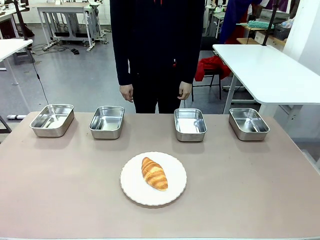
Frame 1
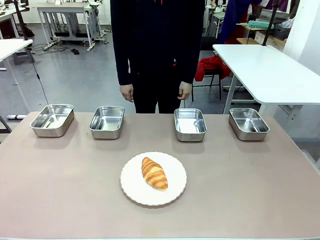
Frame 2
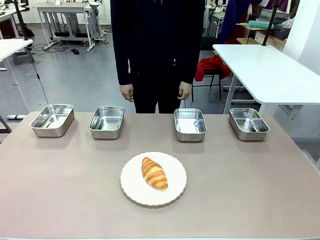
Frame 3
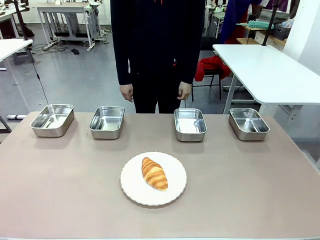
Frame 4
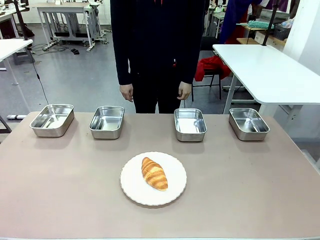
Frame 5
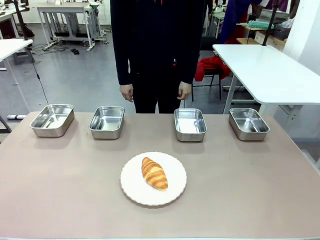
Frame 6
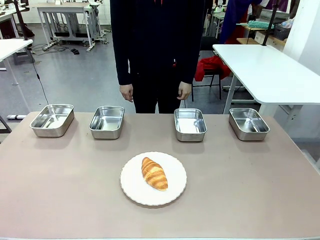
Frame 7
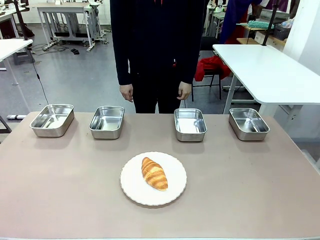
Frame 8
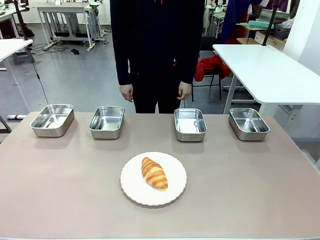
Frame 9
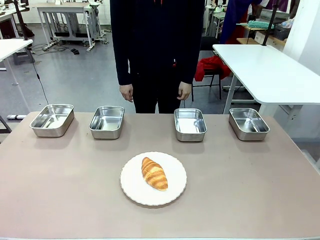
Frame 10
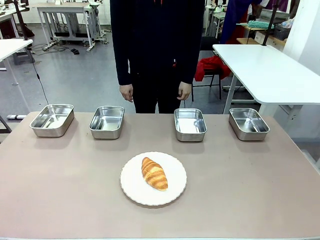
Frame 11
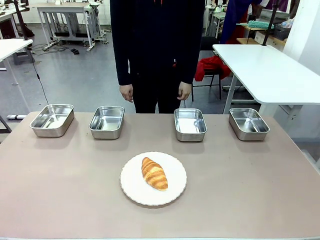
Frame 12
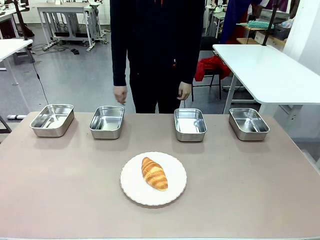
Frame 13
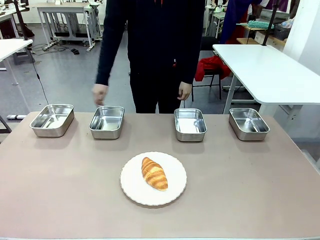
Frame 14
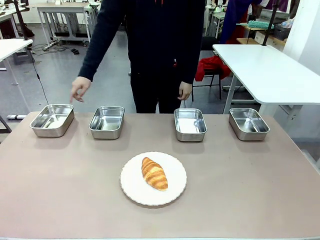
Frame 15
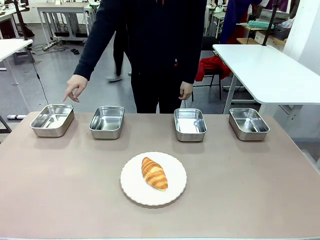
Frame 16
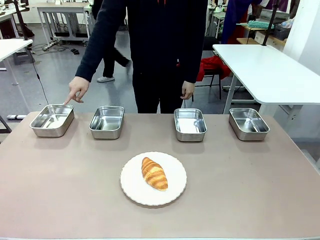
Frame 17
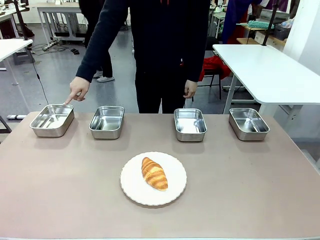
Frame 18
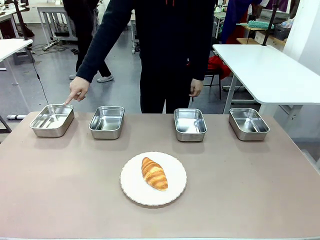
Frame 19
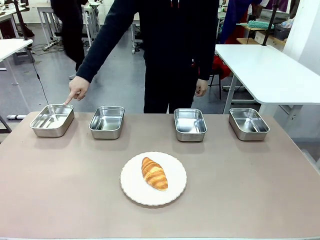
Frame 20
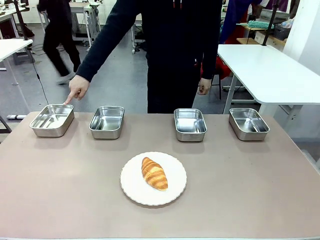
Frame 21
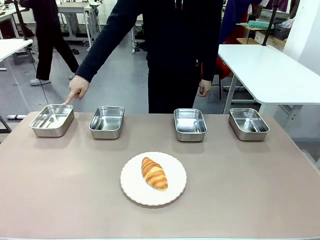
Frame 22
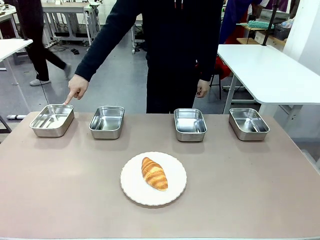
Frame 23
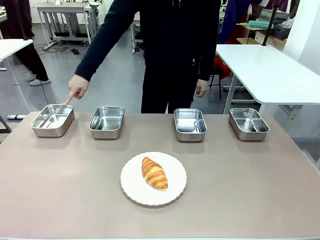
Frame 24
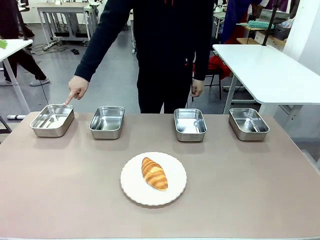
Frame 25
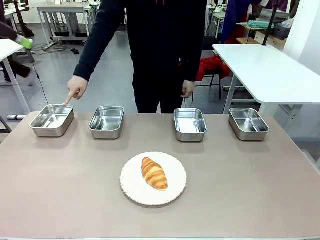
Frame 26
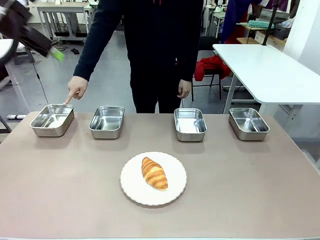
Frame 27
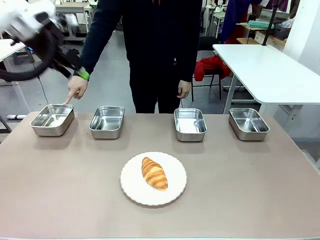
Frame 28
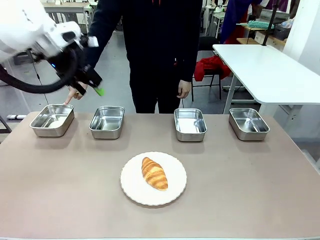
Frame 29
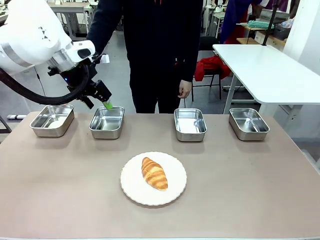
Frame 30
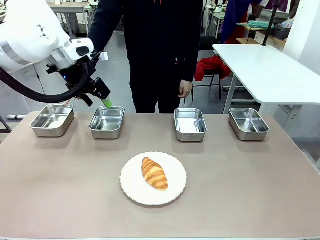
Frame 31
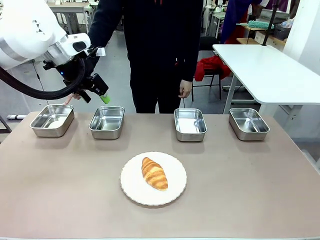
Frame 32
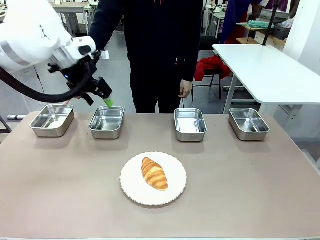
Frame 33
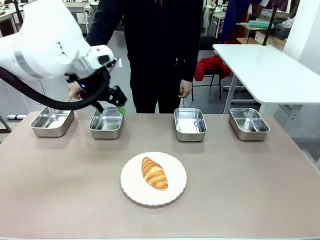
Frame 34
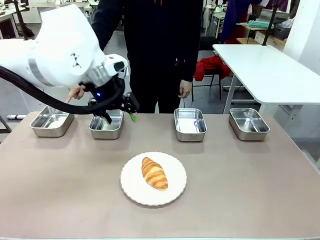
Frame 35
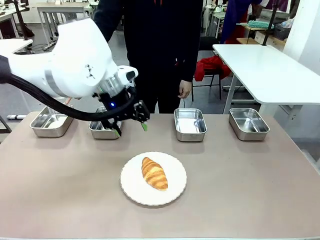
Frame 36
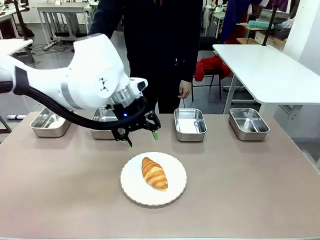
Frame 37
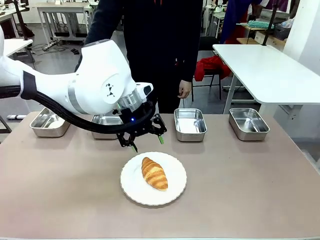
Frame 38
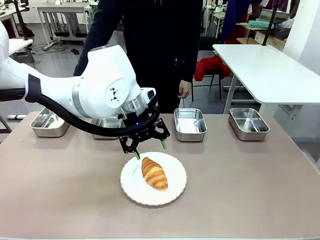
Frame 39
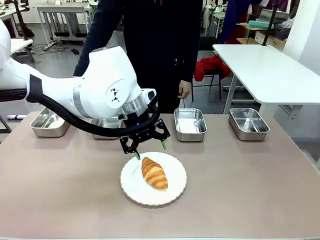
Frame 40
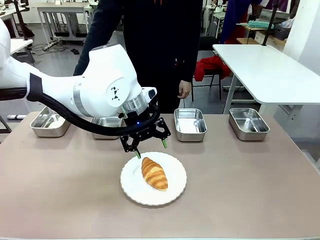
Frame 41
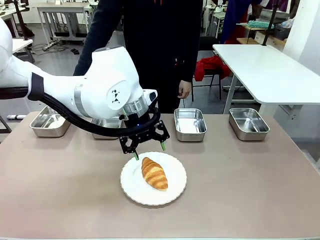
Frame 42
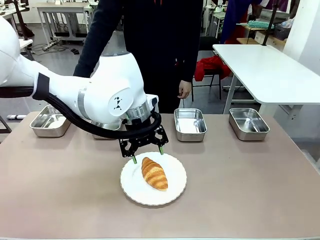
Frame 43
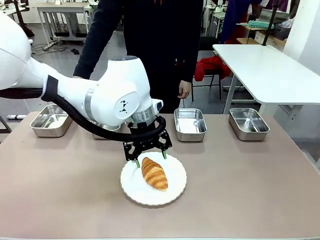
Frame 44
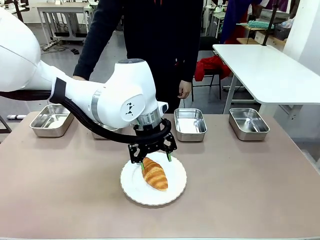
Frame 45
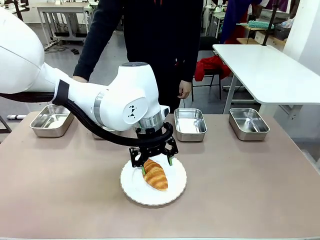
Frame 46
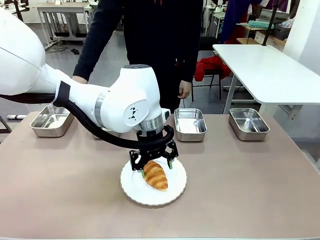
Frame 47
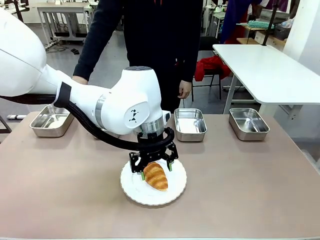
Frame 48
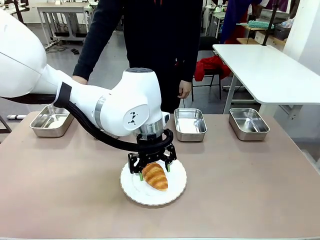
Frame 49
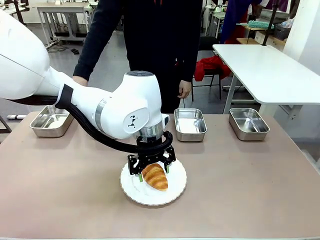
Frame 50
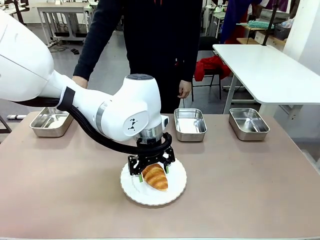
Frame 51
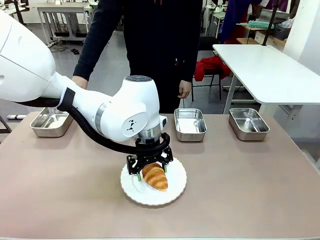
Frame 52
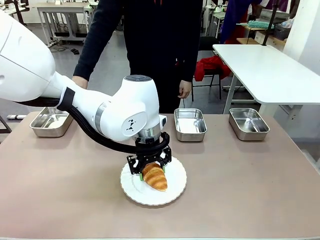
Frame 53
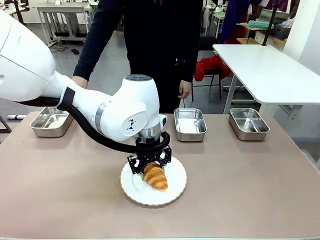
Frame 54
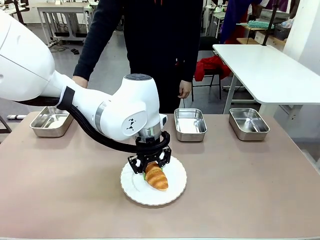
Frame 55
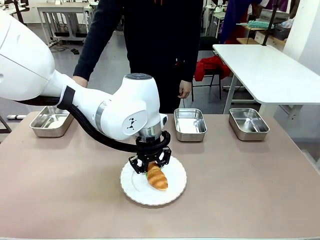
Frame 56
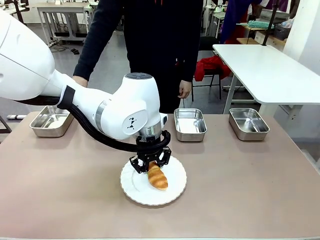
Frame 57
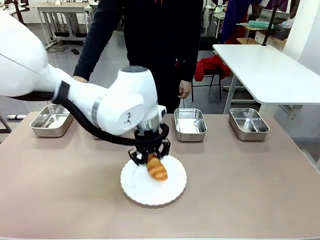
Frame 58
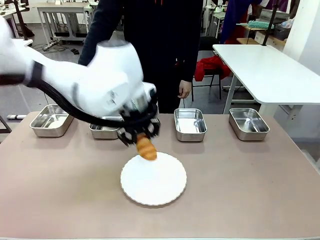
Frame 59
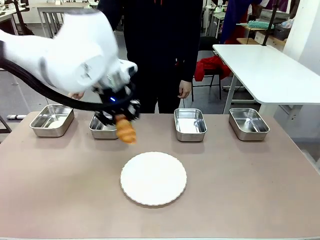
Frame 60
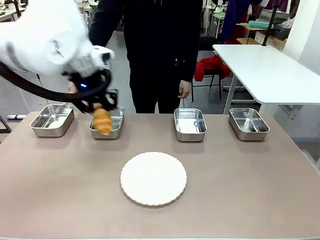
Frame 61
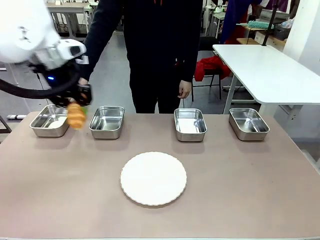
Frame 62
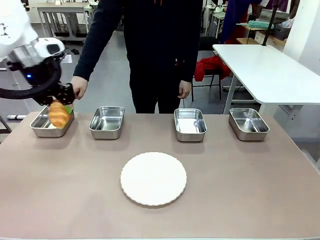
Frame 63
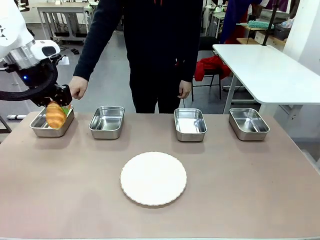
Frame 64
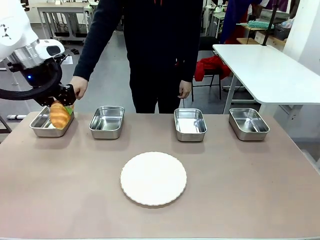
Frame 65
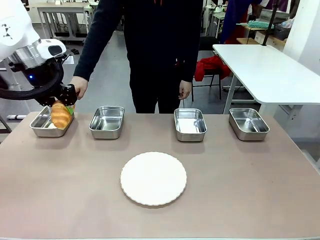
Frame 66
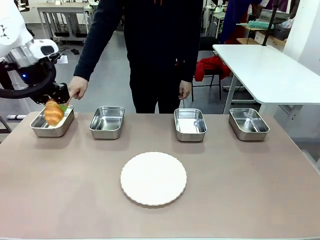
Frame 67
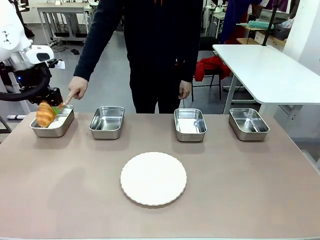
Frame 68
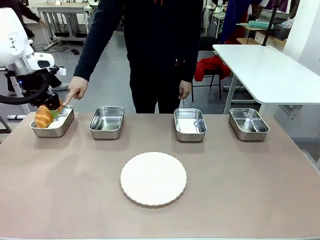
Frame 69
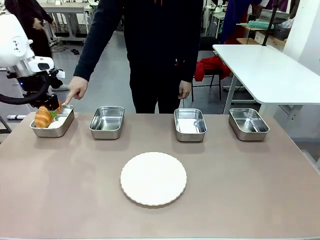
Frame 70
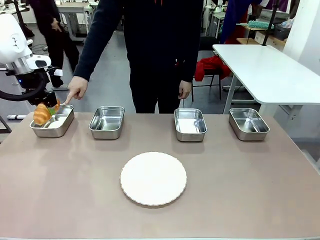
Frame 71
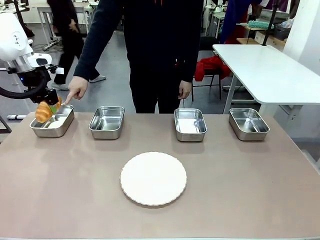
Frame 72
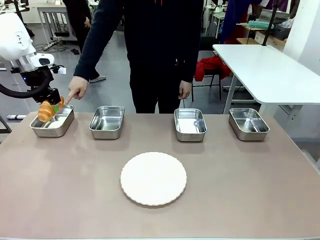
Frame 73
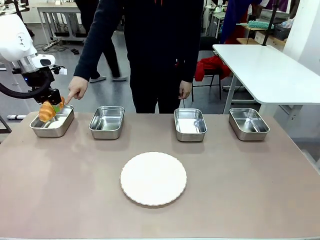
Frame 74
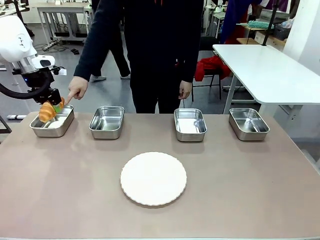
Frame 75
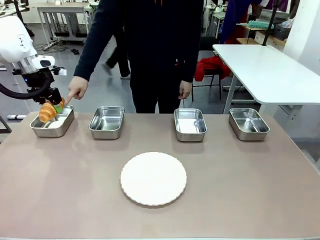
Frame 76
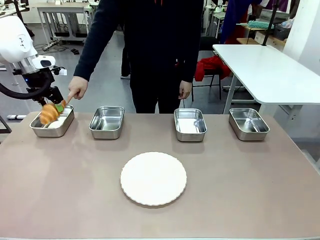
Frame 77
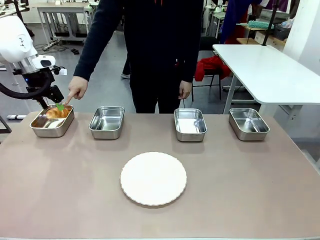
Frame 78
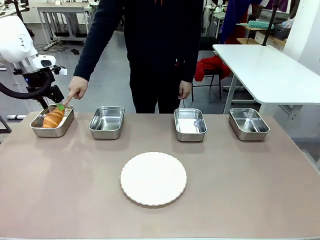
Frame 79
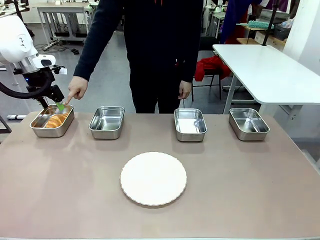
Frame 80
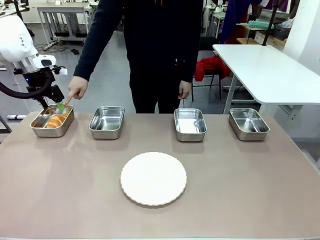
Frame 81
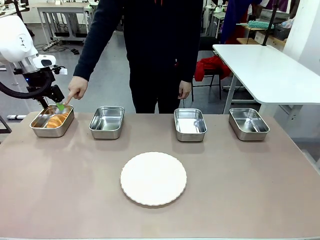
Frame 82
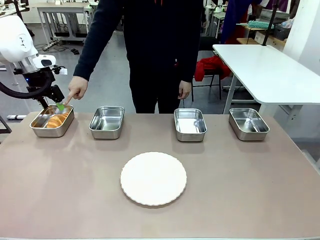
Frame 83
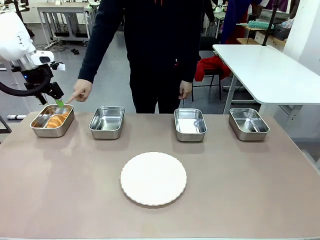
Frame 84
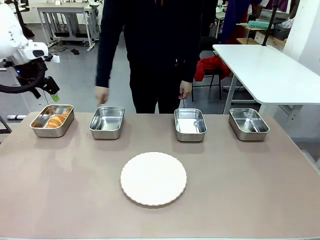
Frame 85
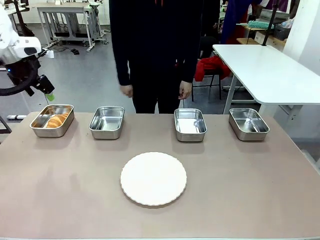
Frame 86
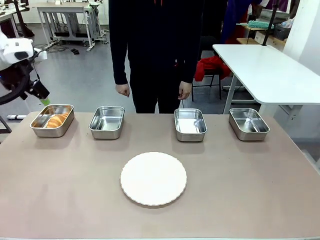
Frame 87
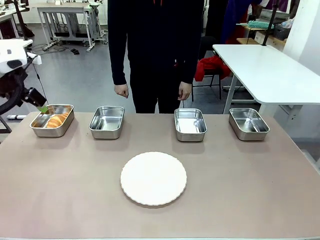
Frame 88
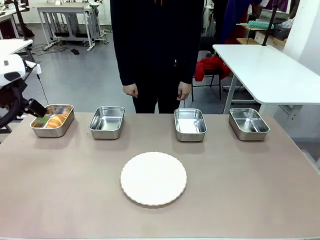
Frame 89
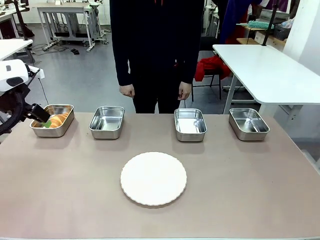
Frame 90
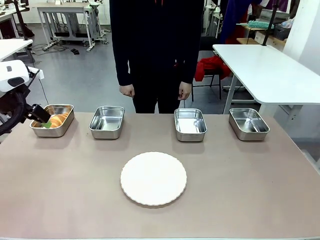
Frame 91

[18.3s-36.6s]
Task: Place the bread in the container.
Robot: Place the Butter Roll into the Airtight Container indicated by the human.
